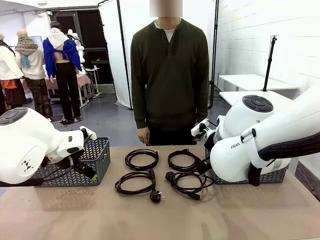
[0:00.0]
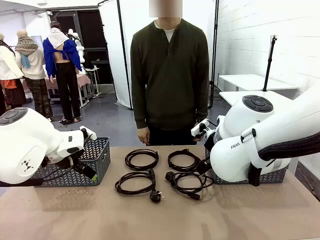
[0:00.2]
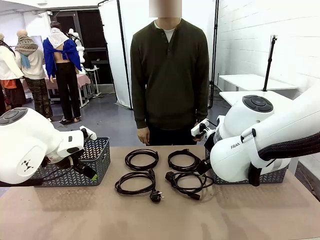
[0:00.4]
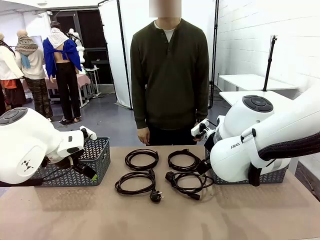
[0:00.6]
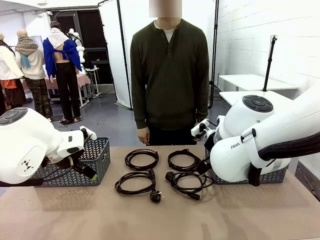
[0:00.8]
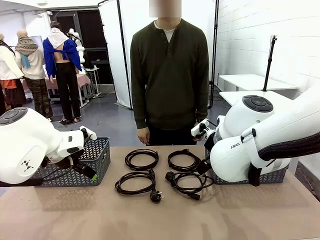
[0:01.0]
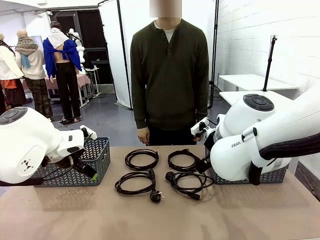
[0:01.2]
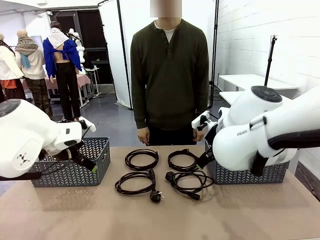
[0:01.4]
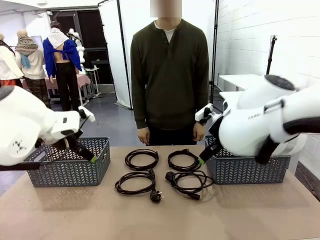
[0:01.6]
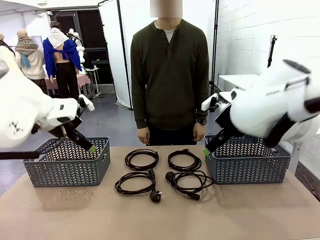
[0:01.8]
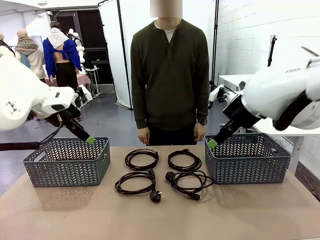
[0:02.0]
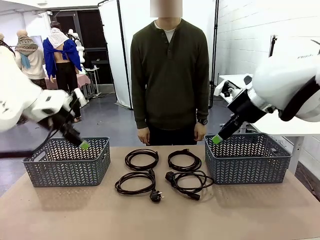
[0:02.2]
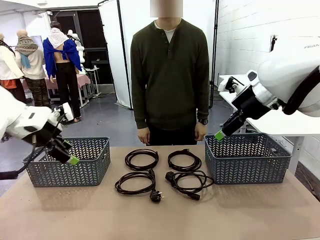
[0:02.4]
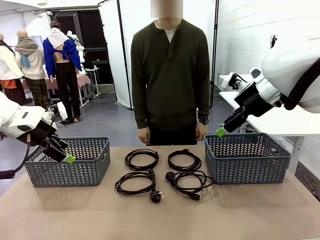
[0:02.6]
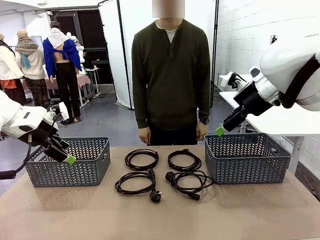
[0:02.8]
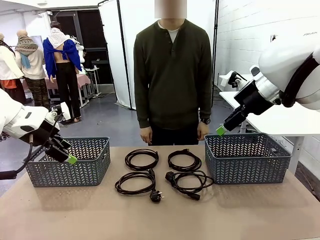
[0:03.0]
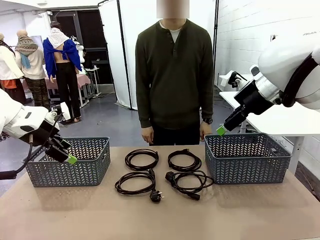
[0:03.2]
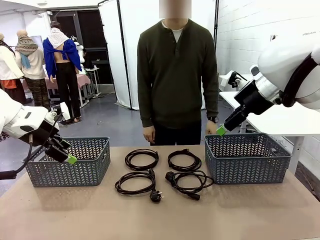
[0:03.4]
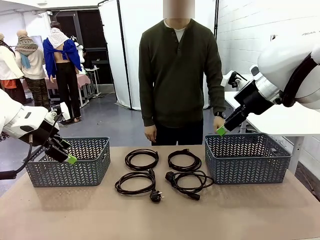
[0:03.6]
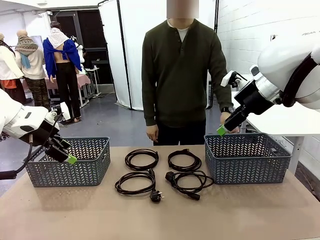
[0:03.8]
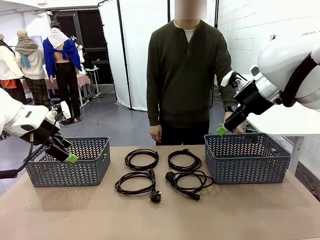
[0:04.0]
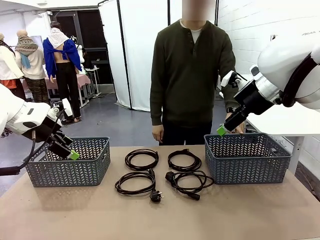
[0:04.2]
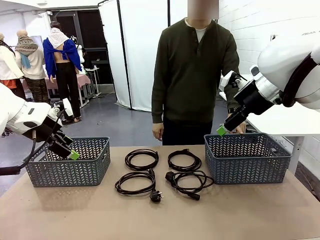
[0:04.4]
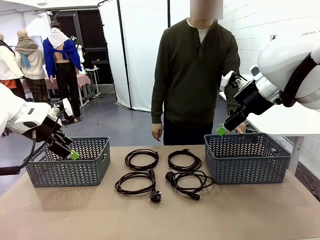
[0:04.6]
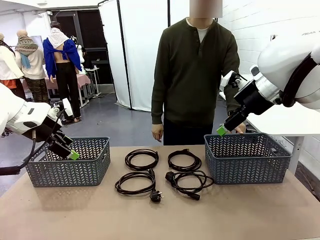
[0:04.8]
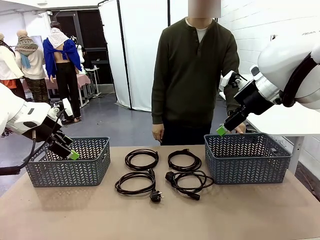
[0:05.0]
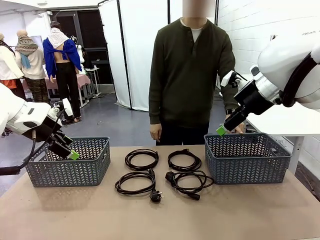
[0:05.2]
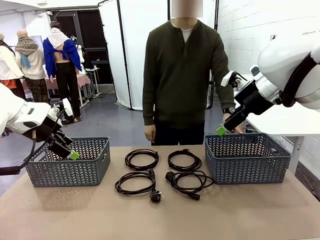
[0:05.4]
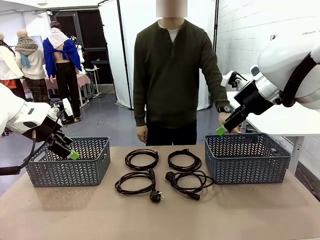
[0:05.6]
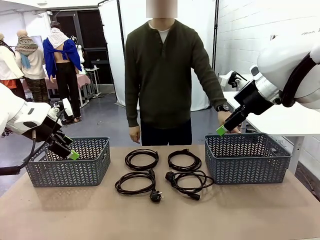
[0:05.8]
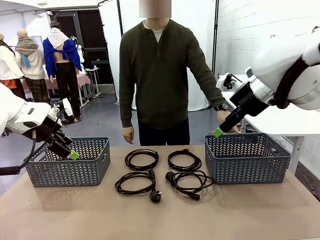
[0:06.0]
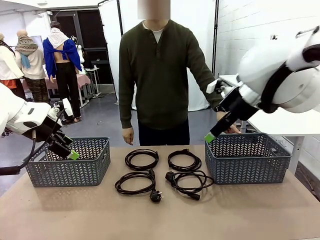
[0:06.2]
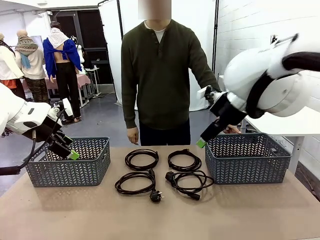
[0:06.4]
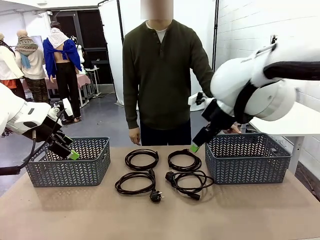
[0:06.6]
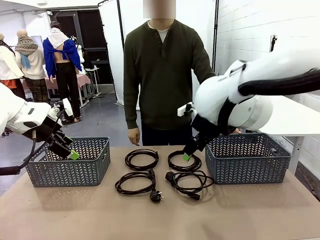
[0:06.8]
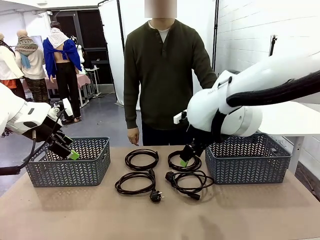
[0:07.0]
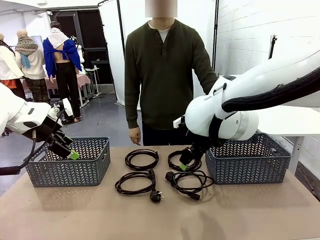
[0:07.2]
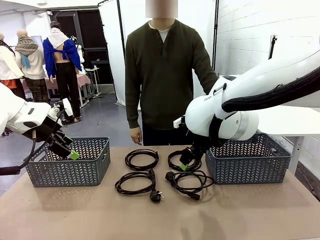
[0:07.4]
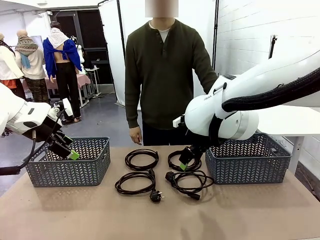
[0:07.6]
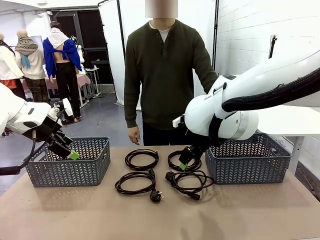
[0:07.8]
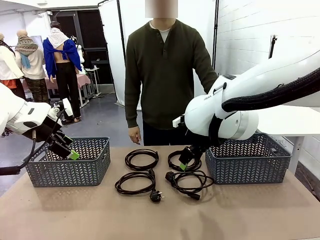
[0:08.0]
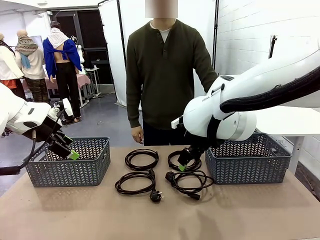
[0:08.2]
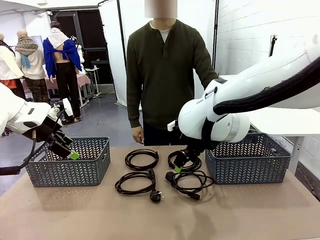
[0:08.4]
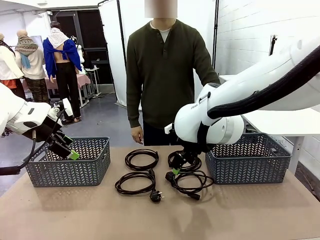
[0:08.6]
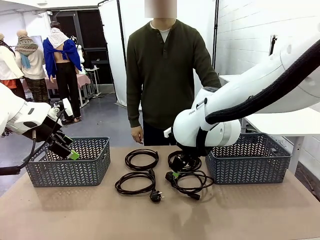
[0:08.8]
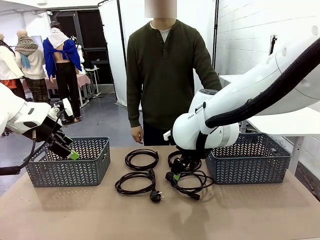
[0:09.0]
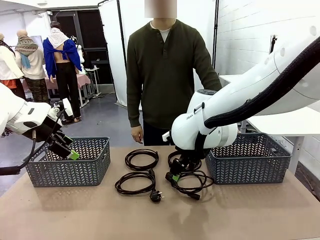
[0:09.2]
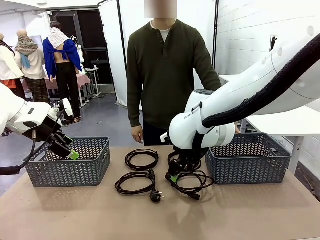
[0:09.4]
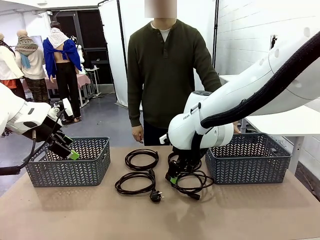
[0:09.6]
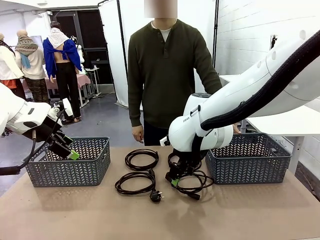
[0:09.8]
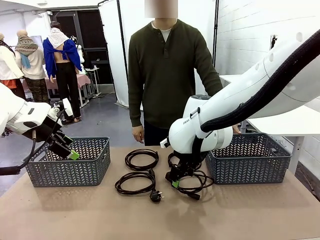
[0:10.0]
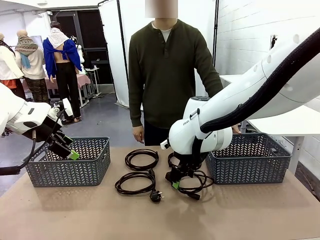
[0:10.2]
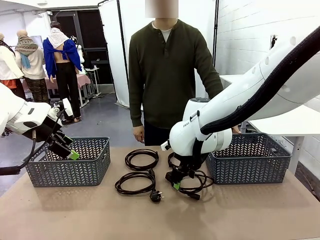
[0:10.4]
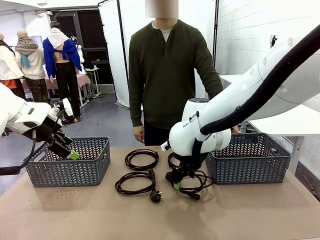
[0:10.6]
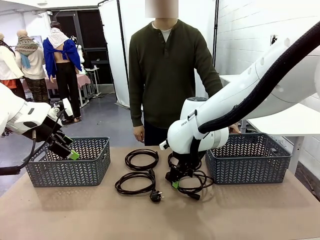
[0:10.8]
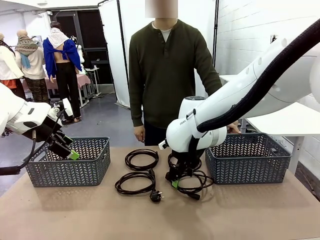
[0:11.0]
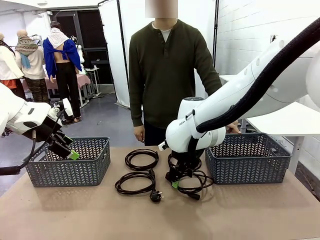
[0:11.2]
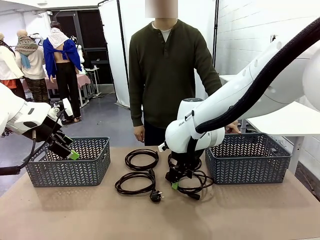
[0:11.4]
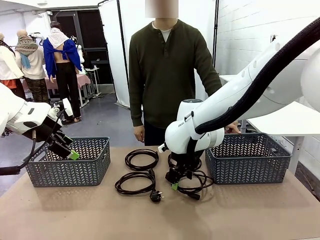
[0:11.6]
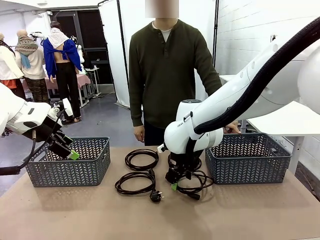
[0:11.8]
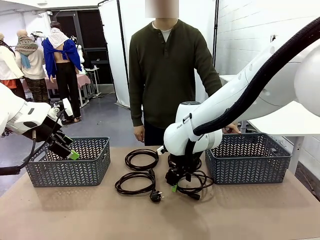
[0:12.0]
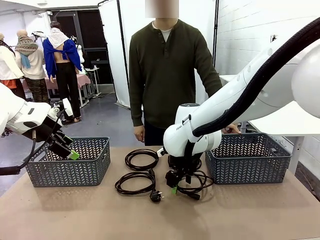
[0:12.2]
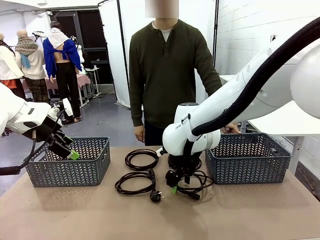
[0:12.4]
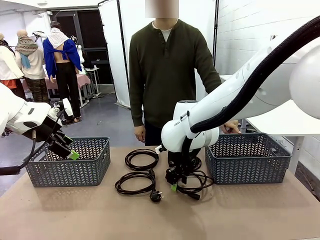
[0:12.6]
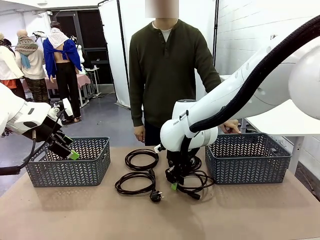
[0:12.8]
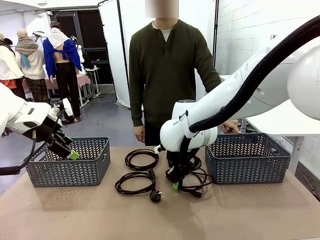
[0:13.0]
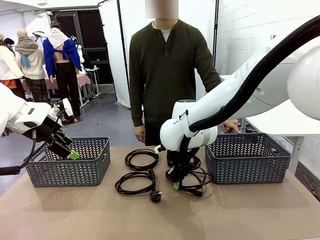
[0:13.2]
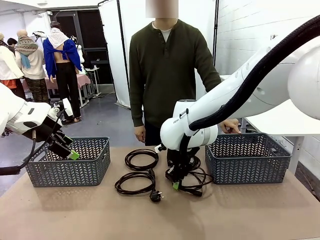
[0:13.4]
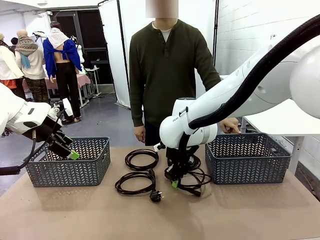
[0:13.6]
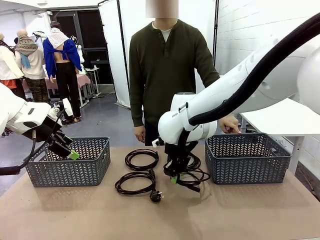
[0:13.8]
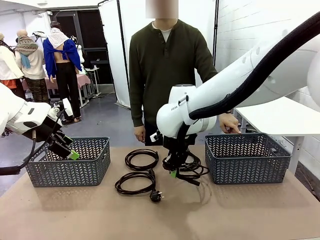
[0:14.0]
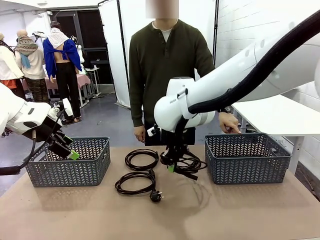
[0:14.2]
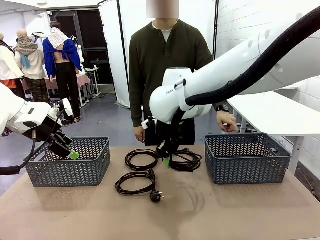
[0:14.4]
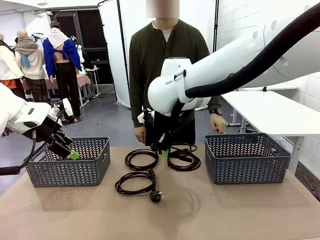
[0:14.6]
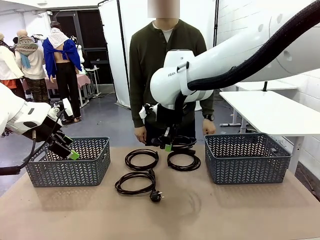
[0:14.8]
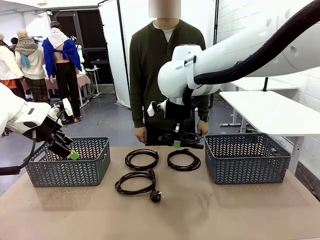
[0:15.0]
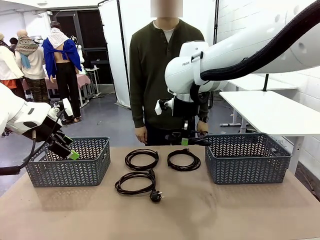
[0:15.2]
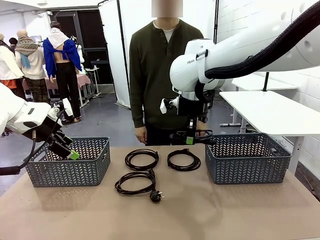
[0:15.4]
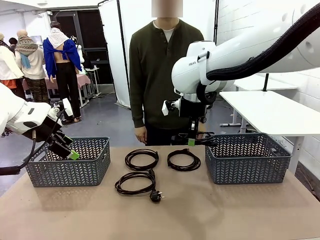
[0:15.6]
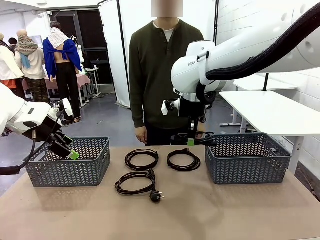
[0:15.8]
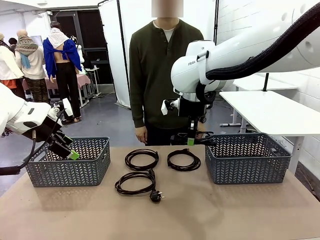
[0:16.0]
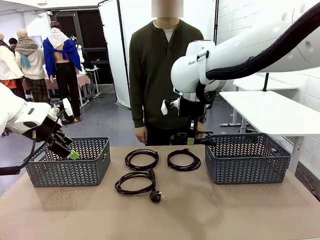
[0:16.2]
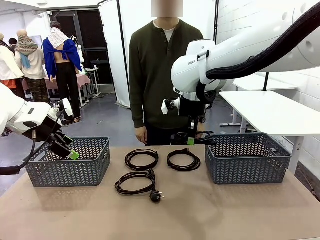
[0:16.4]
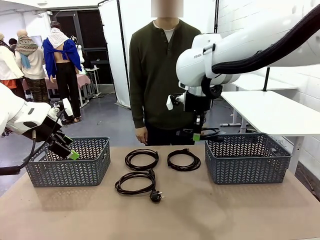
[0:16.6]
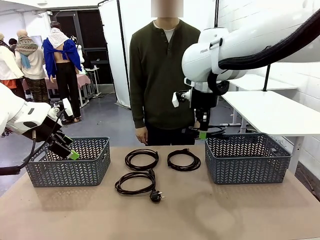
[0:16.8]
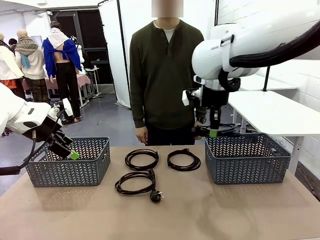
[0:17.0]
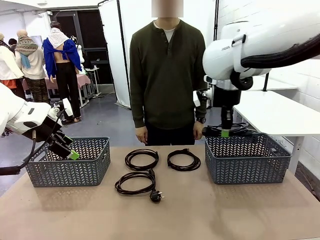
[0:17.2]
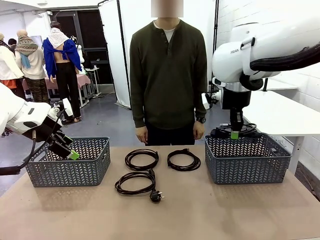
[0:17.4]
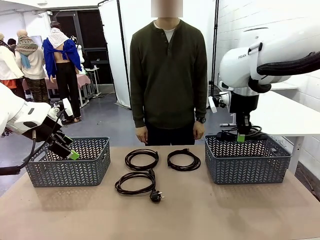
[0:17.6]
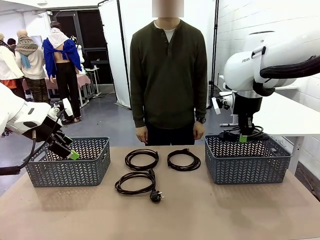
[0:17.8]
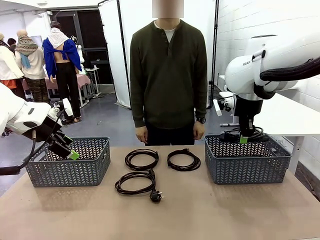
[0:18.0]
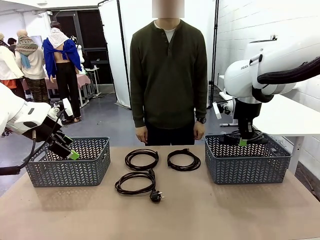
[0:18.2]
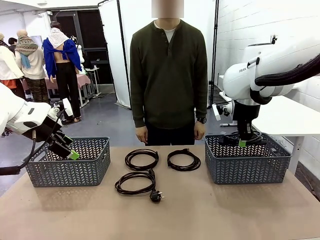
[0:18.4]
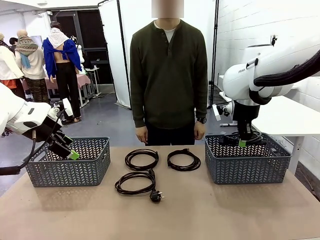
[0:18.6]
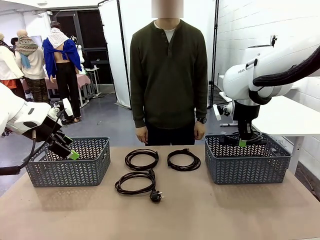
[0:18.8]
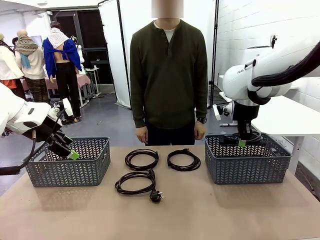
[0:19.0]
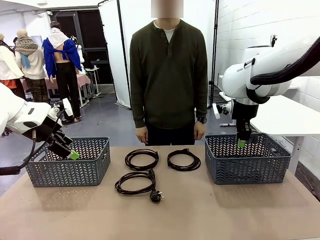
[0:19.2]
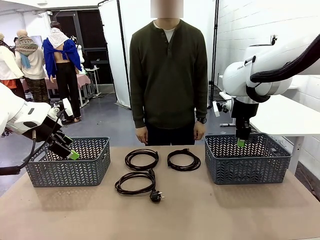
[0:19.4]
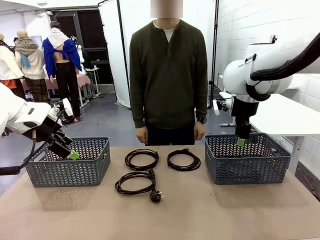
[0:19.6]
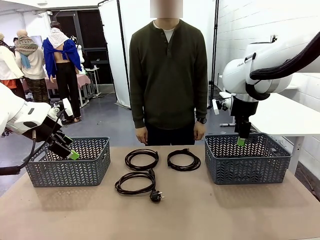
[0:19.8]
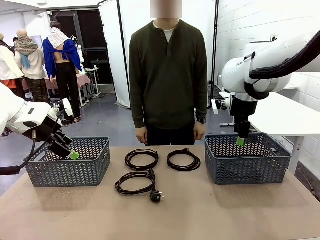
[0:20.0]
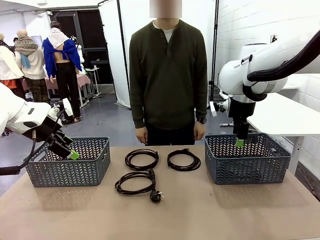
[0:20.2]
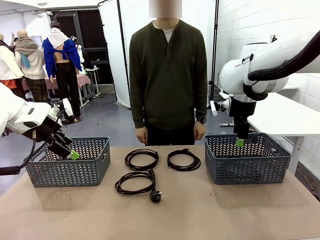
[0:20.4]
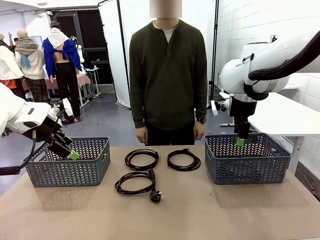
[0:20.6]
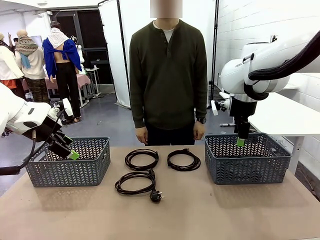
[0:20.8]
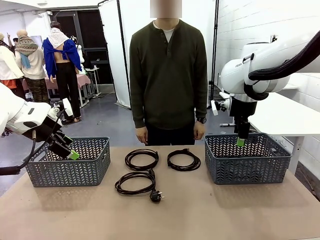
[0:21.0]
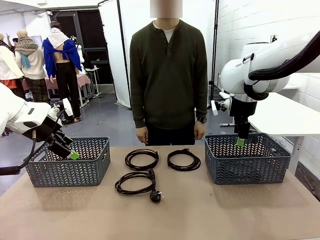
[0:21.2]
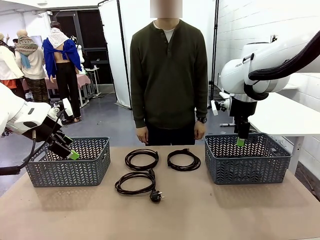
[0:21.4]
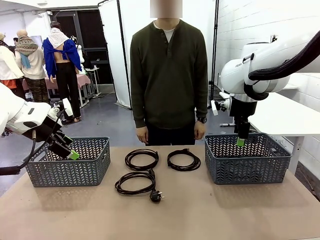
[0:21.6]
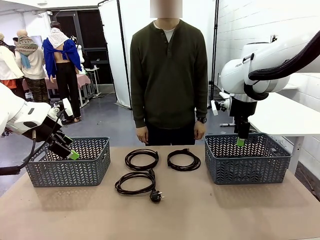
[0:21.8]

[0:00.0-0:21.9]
Task: Organize the cables according to human instructions.
Robot: Pick up a bundle of cables and place it in the basket indicated by the human.
